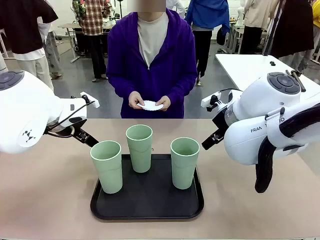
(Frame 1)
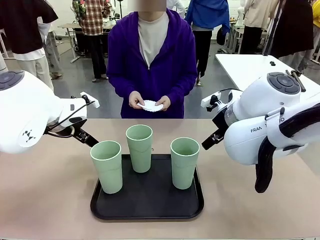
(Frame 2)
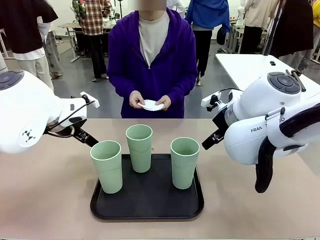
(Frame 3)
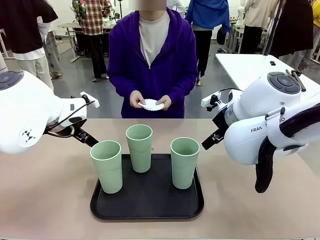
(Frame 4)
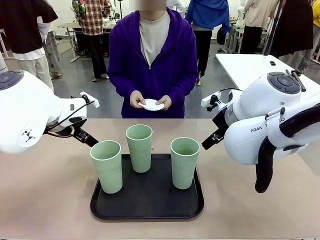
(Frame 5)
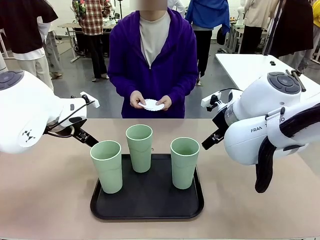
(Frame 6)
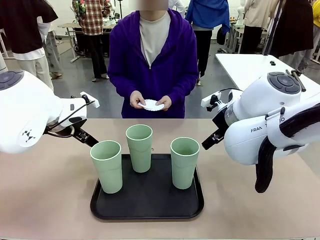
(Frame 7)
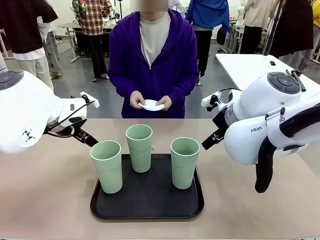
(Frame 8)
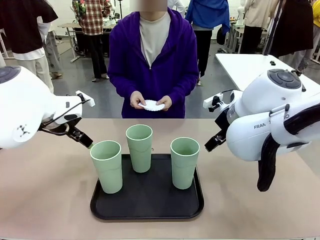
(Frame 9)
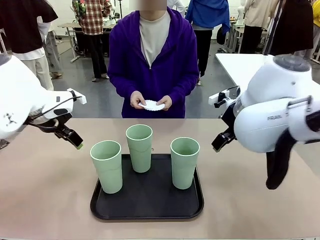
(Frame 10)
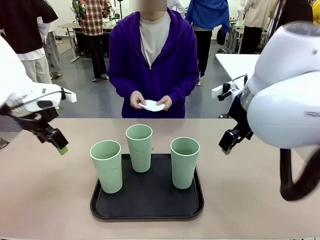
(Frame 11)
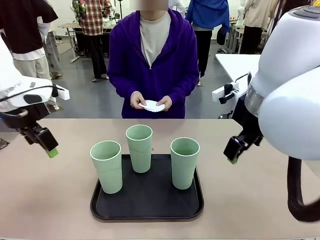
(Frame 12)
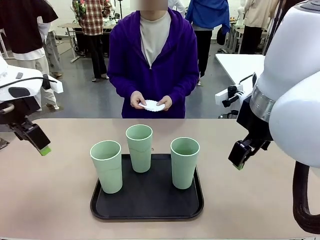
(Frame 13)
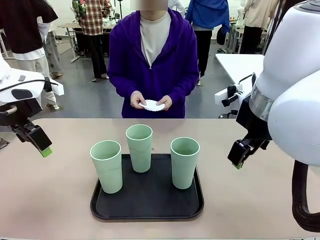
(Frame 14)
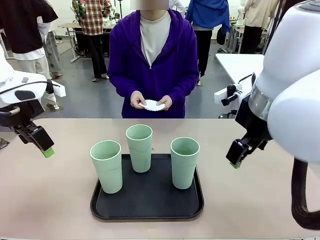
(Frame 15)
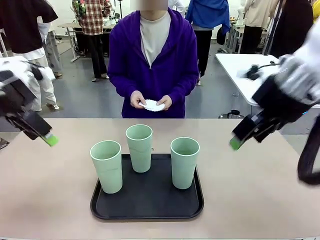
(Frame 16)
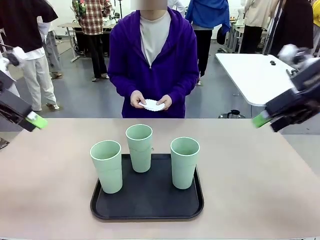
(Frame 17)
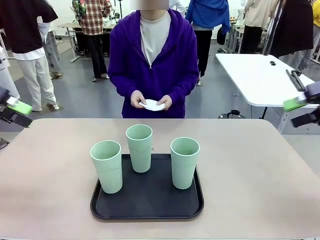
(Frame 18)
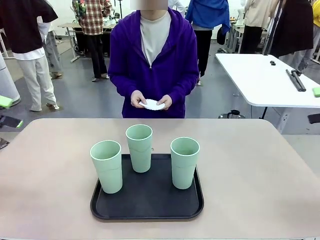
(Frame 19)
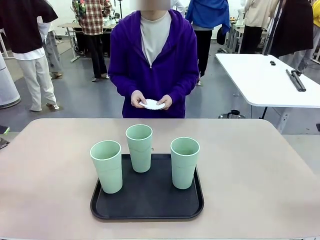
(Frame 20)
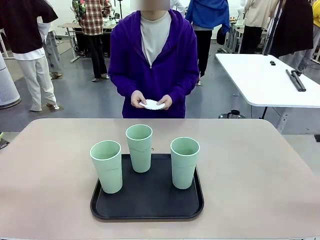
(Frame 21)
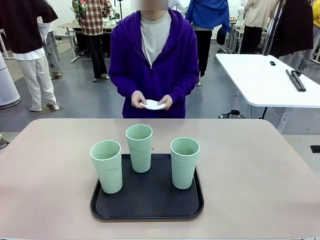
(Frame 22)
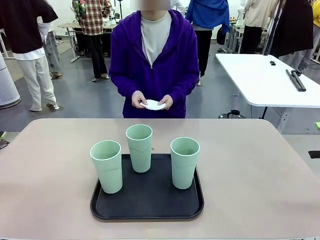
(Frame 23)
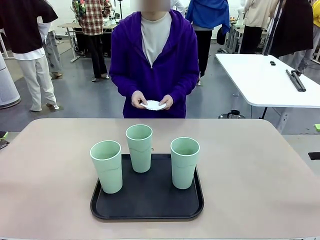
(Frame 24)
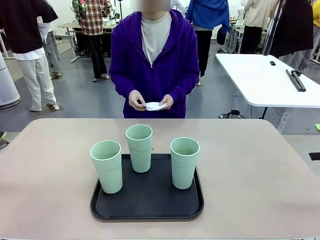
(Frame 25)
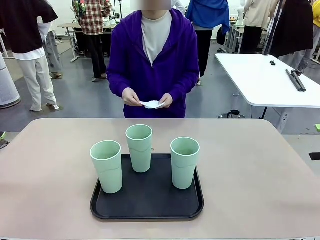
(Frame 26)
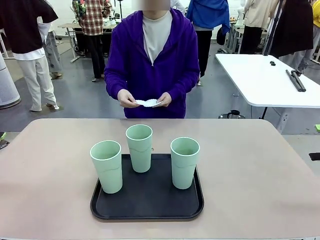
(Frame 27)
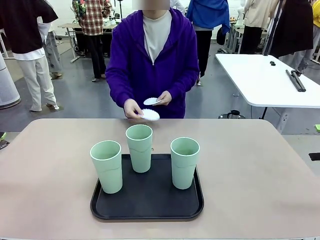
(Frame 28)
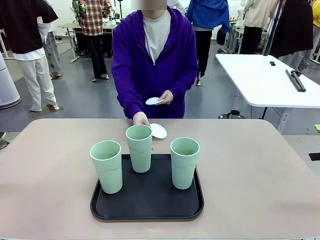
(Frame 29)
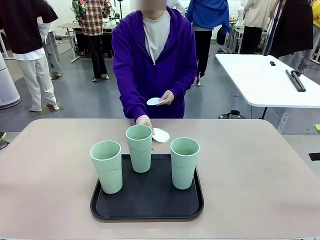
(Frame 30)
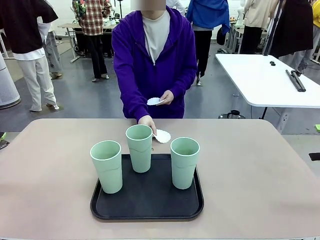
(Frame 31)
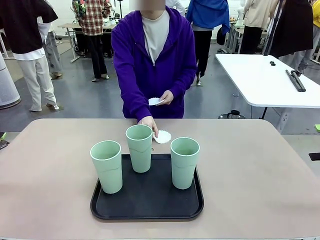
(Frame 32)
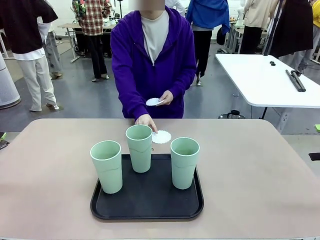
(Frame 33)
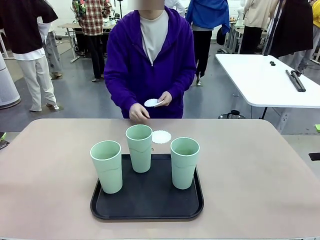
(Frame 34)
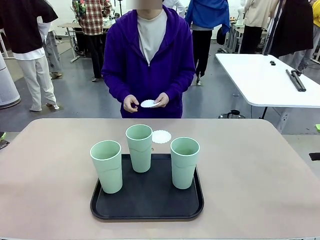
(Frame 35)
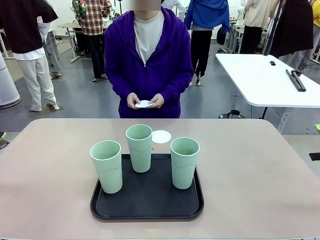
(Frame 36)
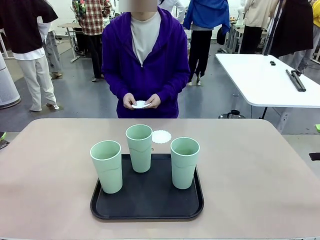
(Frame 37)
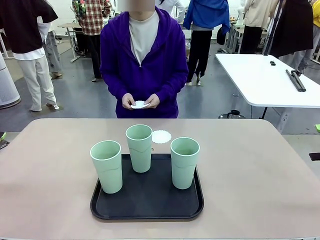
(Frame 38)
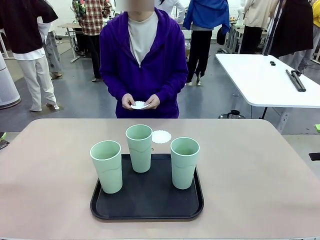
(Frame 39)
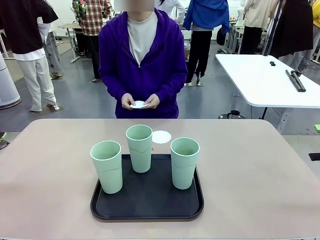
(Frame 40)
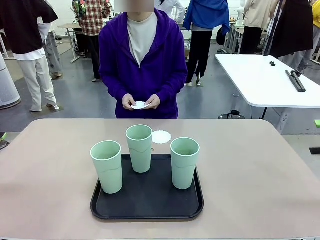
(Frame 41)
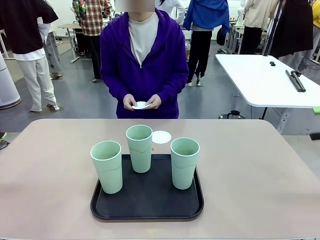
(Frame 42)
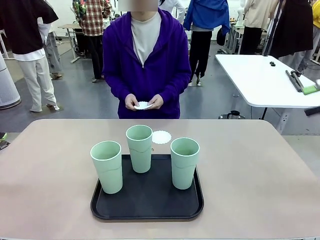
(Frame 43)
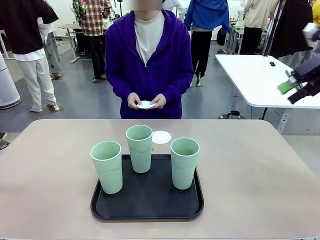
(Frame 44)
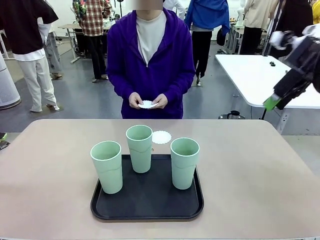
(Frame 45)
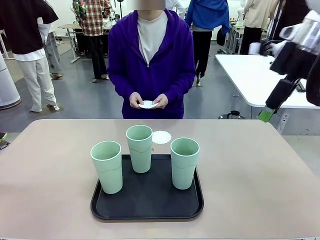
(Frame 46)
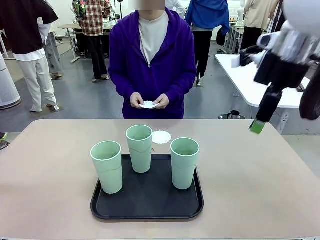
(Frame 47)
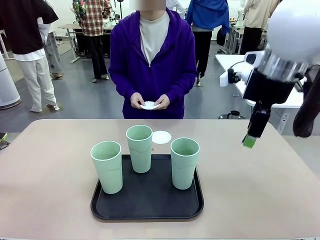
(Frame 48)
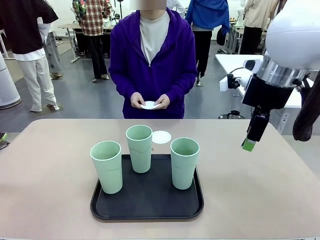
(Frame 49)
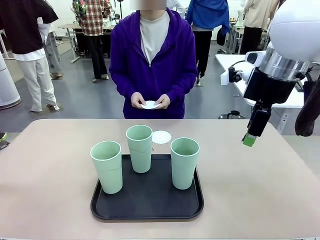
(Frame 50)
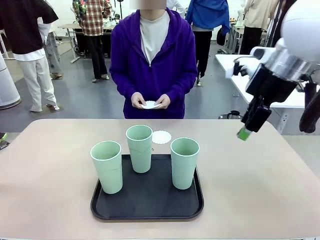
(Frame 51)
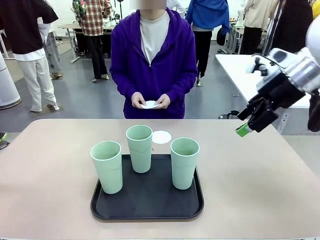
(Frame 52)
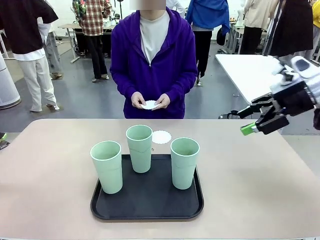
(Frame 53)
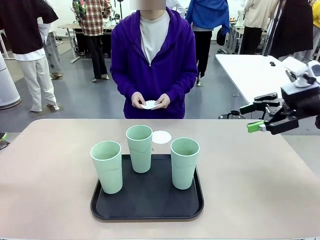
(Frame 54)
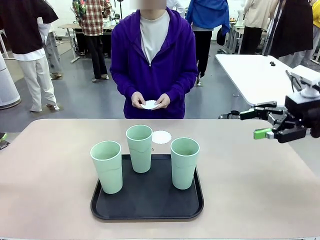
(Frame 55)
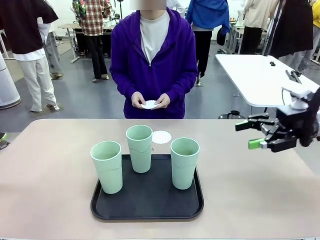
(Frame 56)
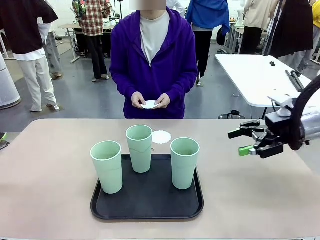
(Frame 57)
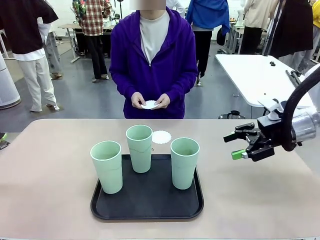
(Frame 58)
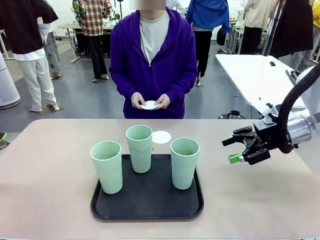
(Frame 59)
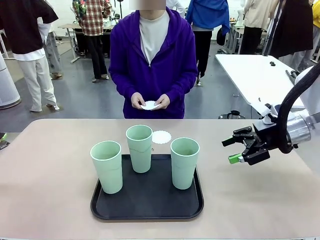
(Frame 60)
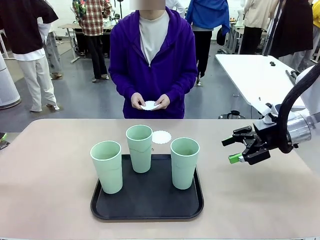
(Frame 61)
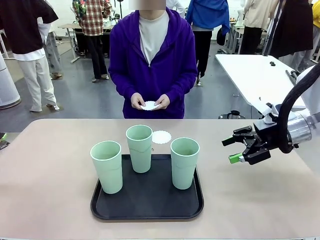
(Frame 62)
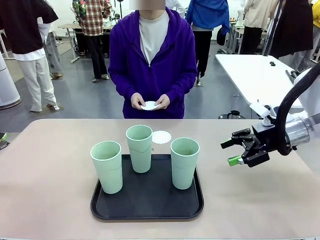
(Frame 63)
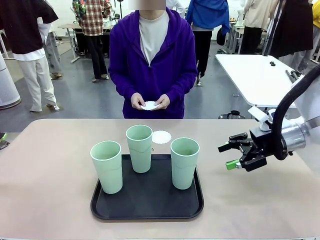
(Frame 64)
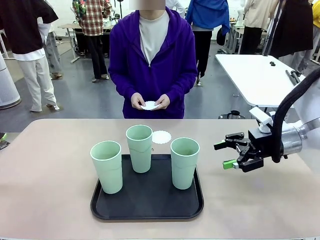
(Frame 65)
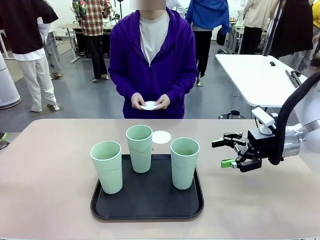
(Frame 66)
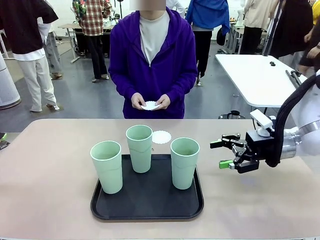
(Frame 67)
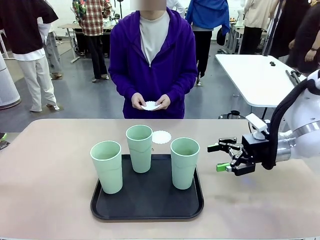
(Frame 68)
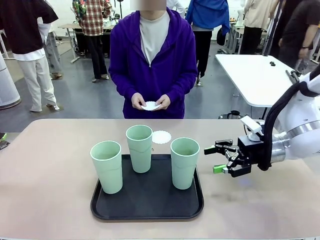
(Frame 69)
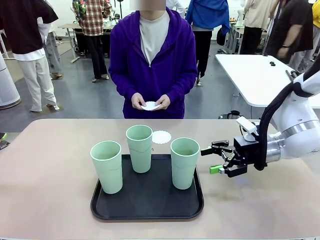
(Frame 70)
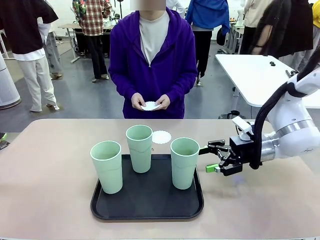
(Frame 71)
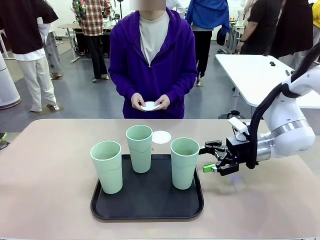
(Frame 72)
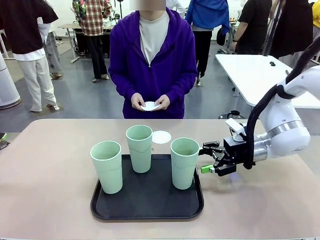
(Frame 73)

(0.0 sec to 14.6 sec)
Task: Place coasters on the table and set cups on them.
Robot: Pick up one Reusable plastic cup and place it on a coaster set by the human.
Person: Place one coaster in any one of the three lower areas of the robot table (left, center, or right).
